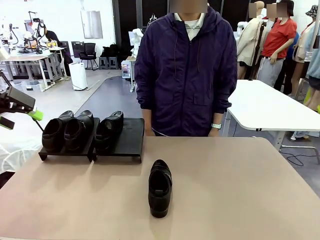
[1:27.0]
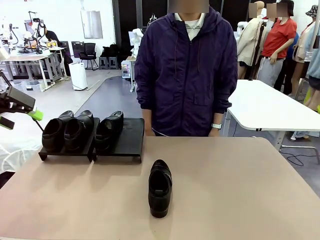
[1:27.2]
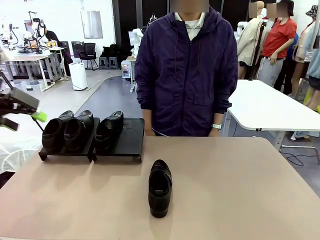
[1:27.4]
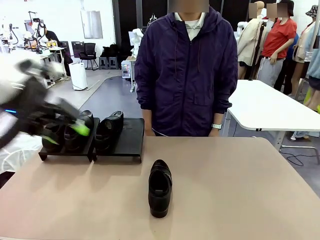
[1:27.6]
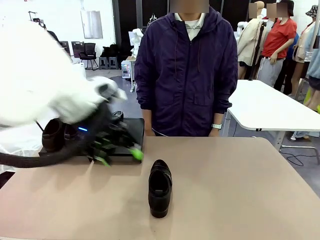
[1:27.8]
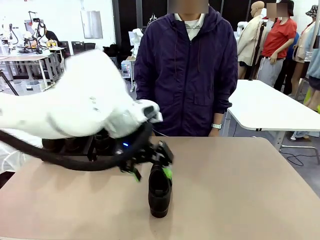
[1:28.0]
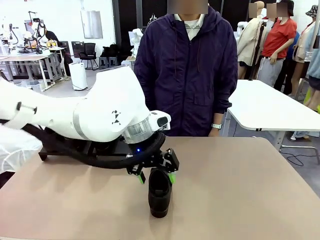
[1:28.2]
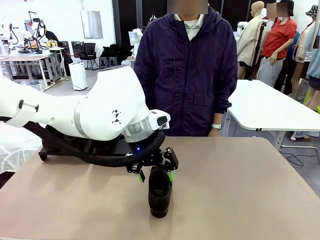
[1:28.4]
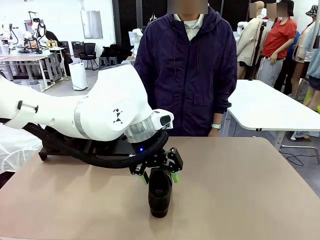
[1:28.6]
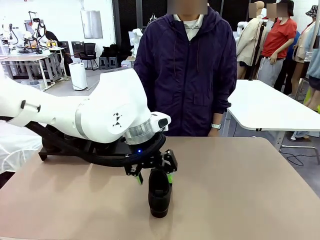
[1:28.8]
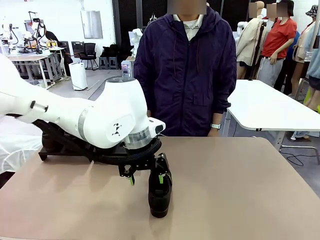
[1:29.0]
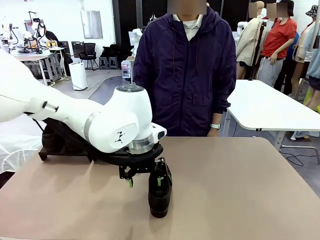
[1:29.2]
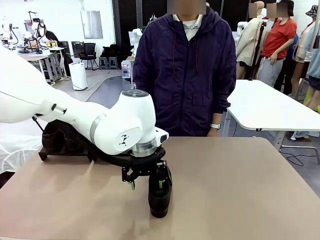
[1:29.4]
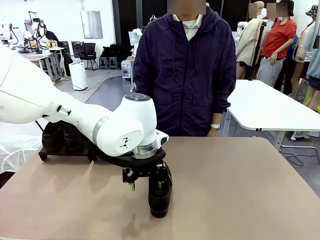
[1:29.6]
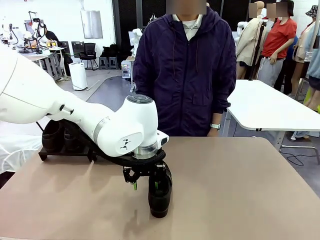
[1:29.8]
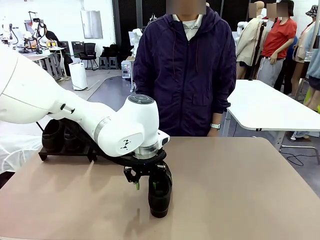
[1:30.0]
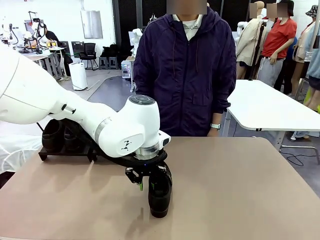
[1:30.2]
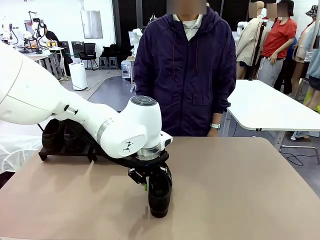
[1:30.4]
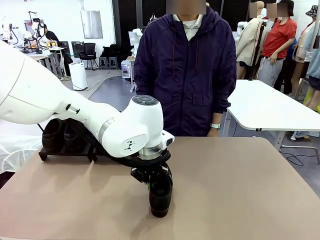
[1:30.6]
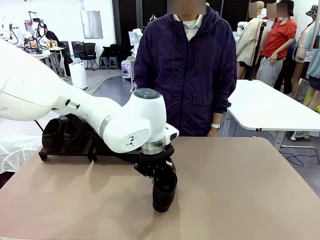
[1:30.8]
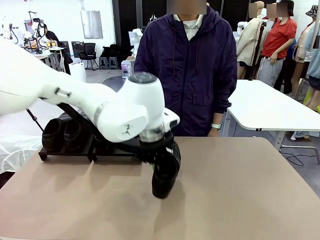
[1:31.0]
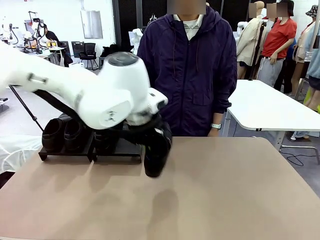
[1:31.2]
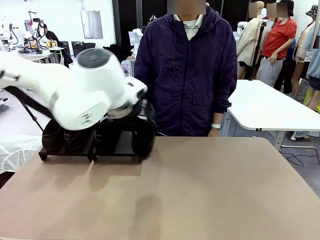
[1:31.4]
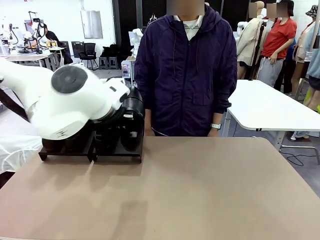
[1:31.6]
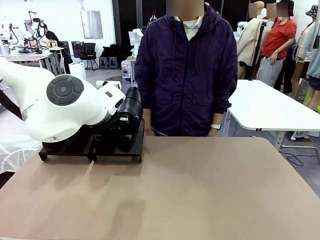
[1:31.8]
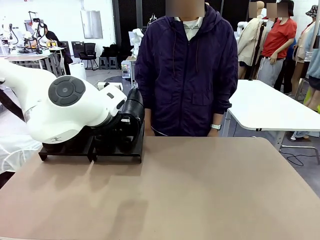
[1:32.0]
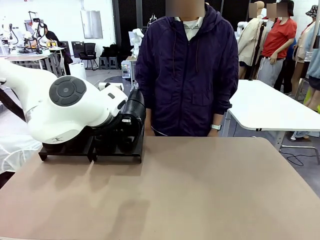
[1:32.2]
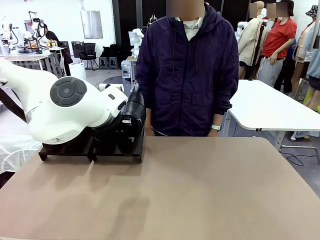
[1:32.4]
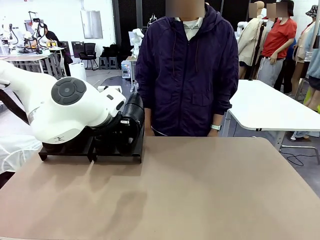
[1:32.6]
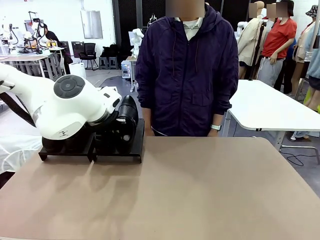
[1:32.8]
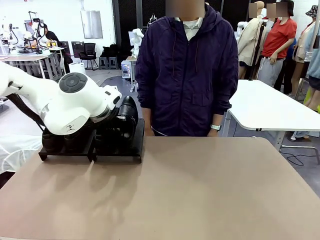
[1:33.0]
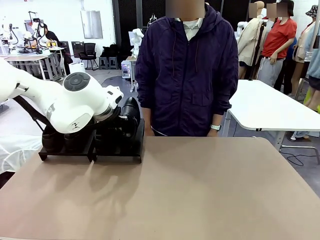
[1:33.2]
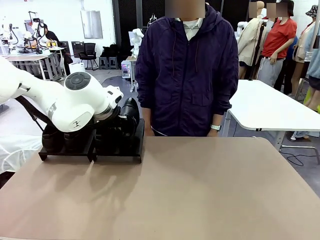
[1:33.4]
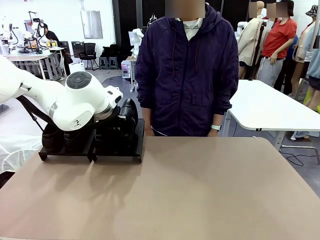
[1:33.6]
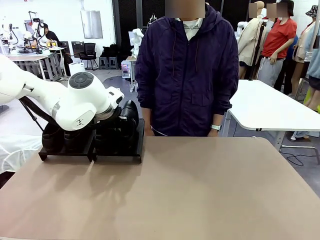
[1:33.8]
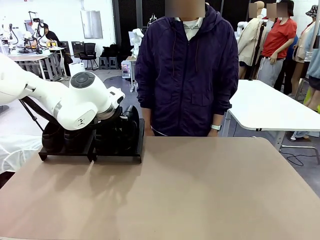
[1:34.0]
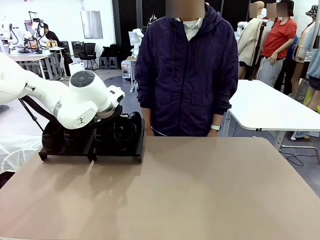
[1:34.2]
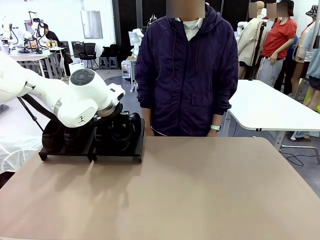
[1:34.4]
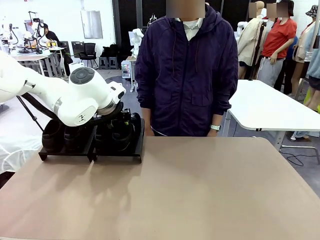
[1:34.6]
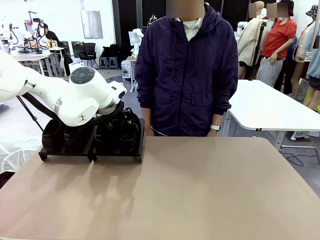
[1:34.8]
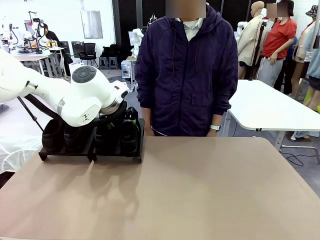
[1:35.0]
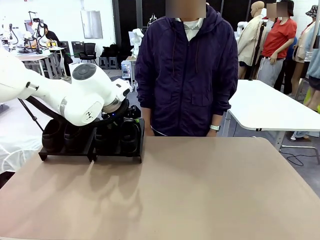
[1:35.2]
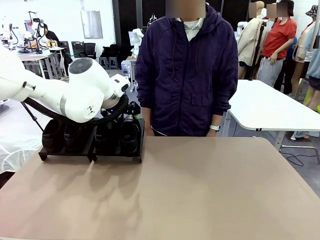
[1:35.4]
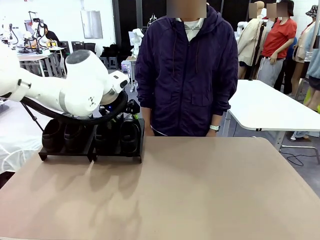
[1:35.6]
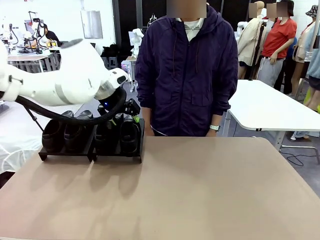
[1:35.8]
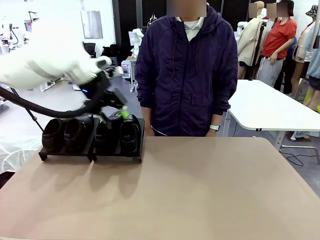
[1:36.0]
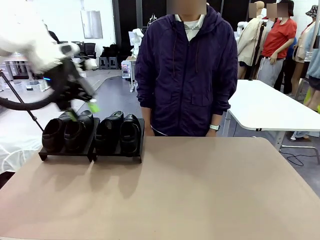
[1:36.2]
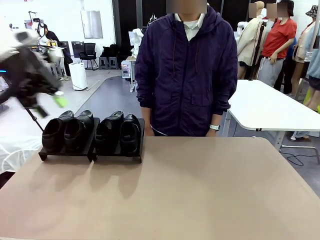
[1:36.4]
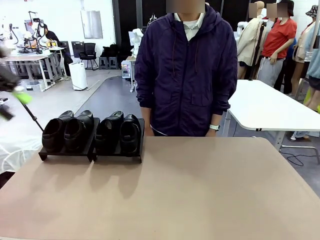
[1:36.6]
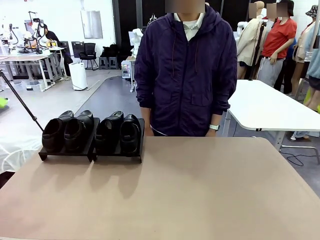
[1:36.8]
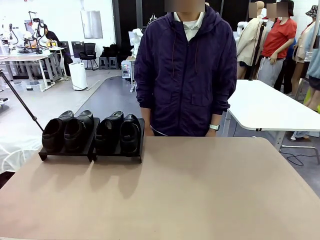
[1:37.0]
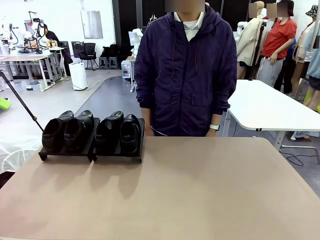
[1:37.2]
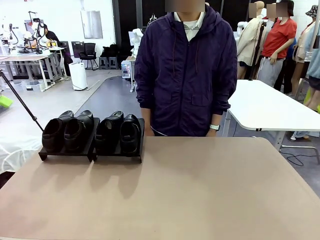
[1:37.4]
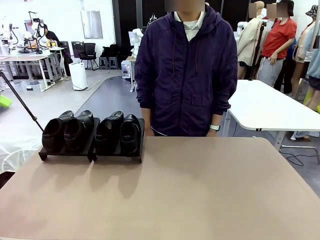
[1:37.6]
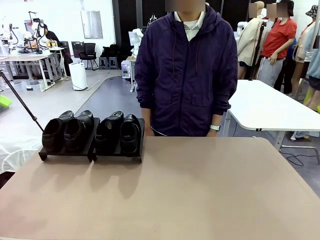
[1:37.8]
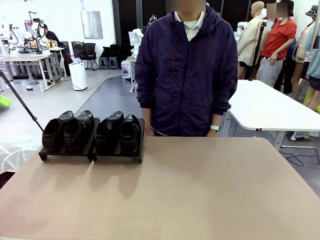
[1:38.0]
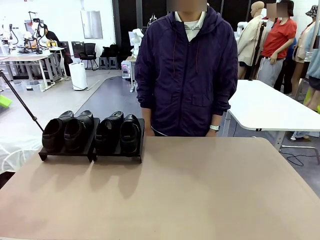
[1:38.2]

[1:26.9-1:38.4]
Task: Organize the shoes by placing them on the stand.
Robot: Place the Shoe from the middle of the table onto the Shoes Stand.

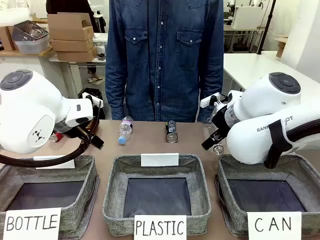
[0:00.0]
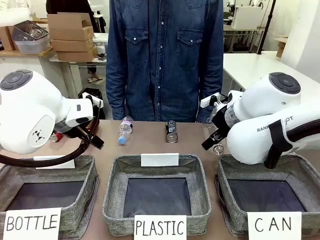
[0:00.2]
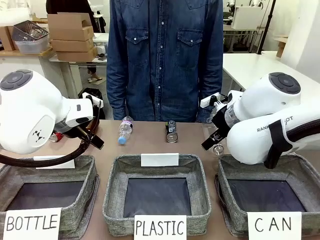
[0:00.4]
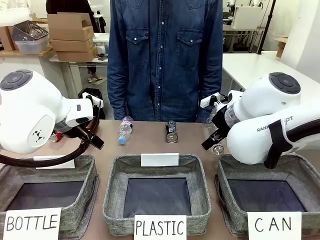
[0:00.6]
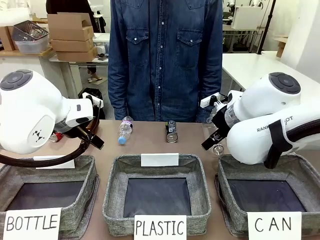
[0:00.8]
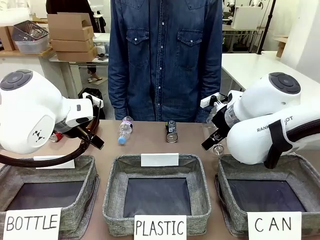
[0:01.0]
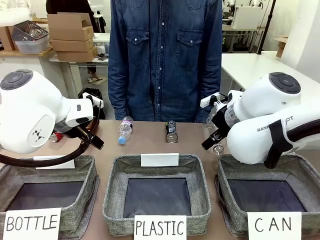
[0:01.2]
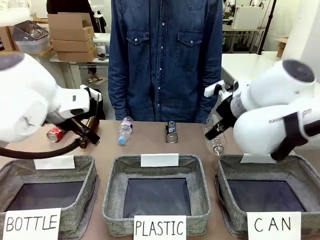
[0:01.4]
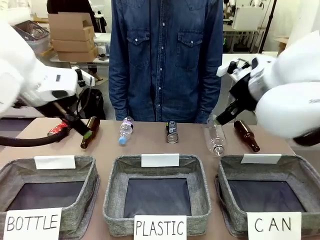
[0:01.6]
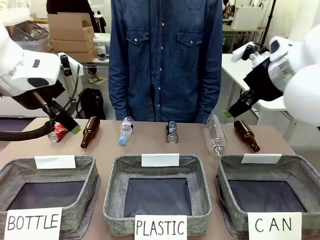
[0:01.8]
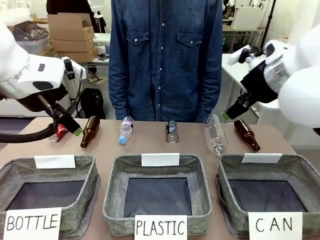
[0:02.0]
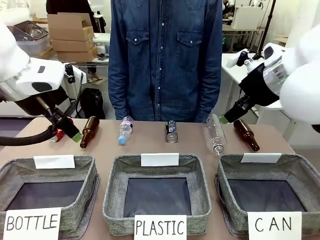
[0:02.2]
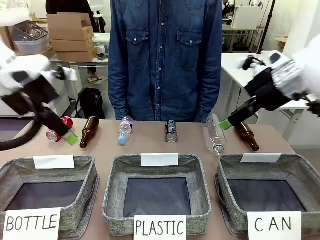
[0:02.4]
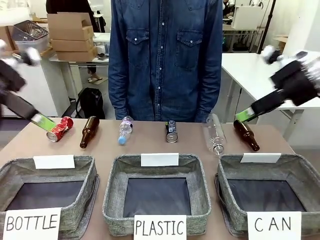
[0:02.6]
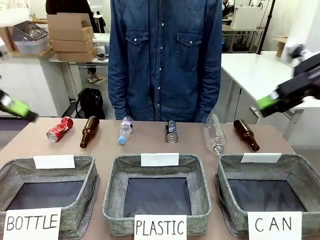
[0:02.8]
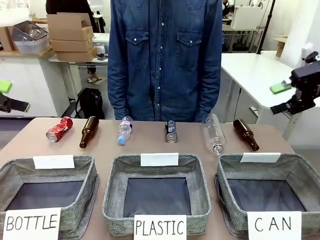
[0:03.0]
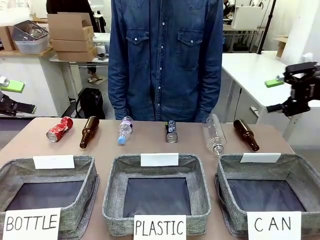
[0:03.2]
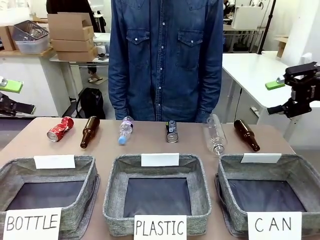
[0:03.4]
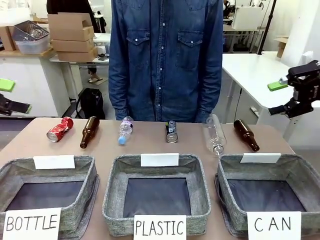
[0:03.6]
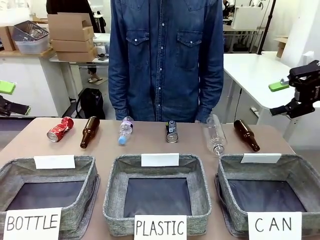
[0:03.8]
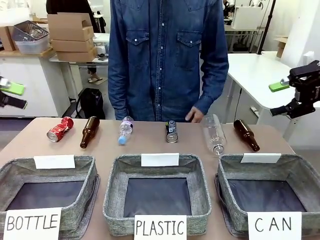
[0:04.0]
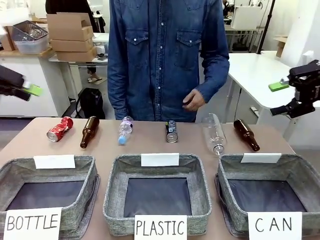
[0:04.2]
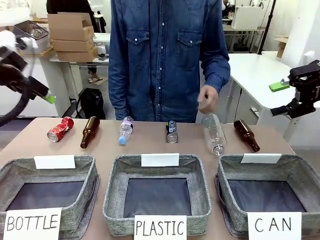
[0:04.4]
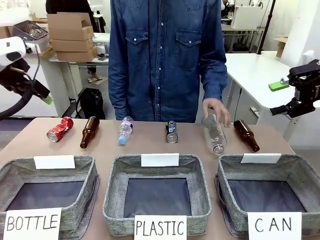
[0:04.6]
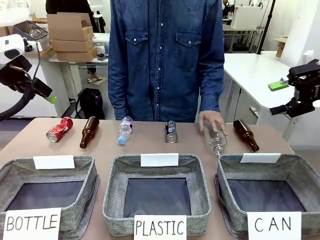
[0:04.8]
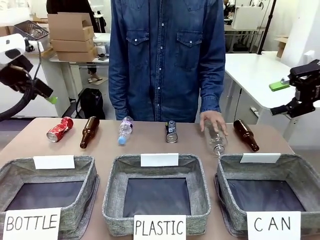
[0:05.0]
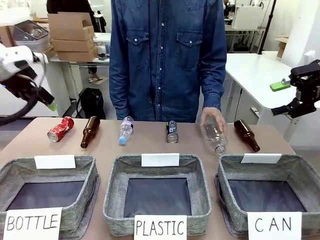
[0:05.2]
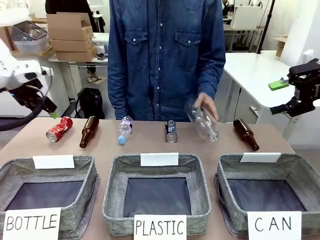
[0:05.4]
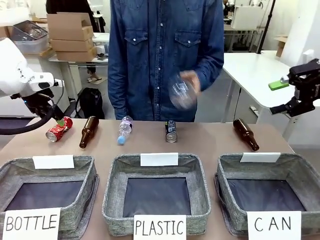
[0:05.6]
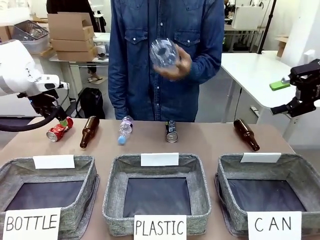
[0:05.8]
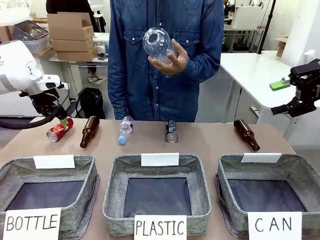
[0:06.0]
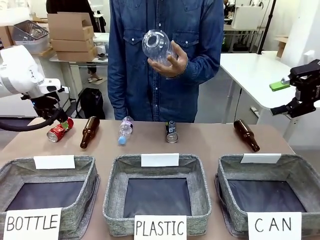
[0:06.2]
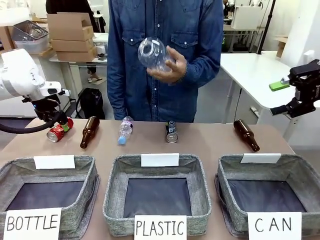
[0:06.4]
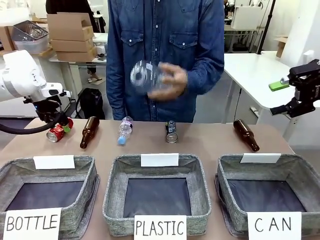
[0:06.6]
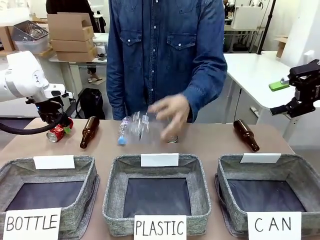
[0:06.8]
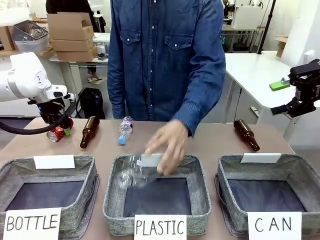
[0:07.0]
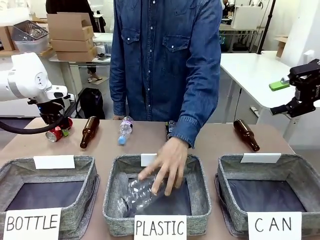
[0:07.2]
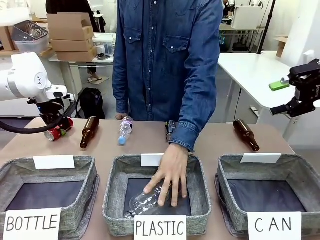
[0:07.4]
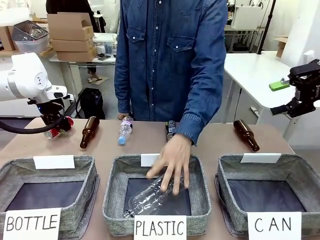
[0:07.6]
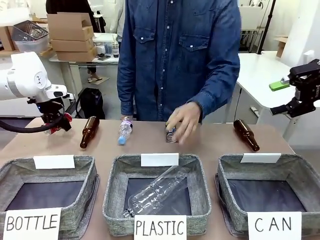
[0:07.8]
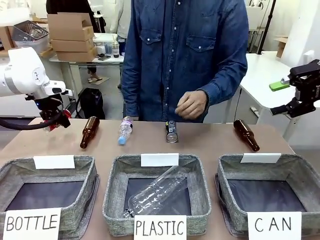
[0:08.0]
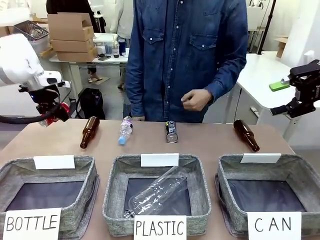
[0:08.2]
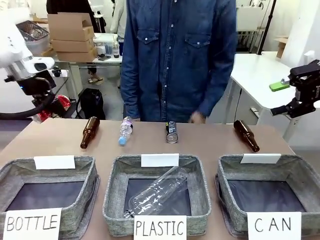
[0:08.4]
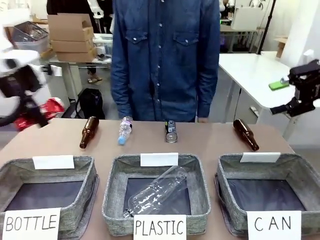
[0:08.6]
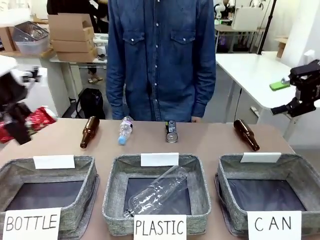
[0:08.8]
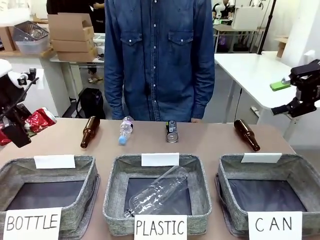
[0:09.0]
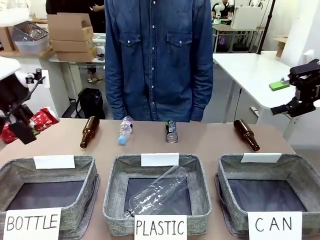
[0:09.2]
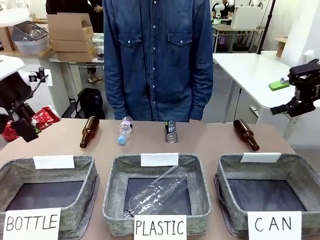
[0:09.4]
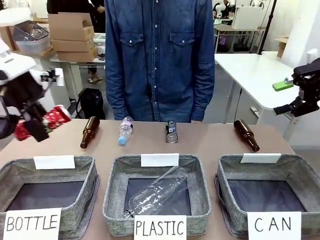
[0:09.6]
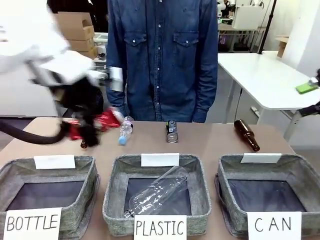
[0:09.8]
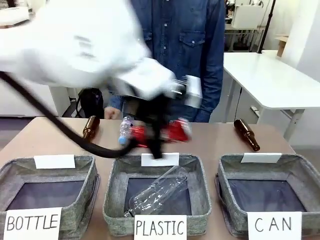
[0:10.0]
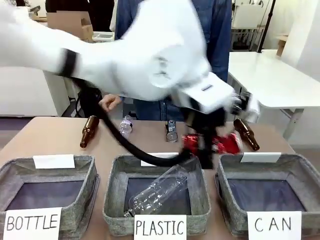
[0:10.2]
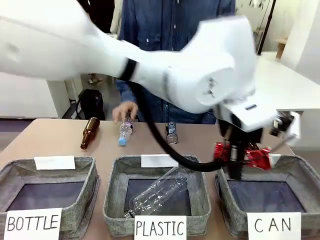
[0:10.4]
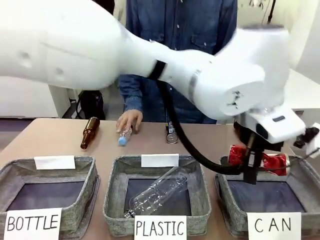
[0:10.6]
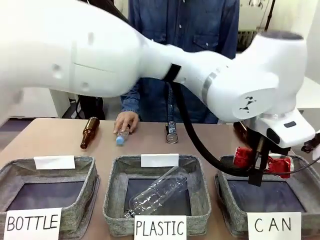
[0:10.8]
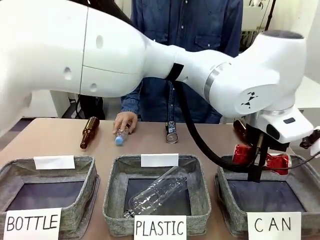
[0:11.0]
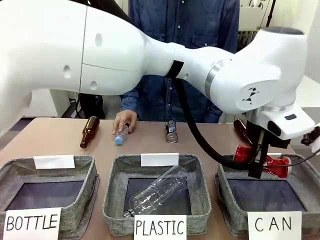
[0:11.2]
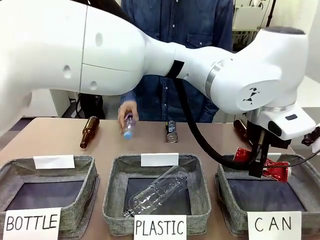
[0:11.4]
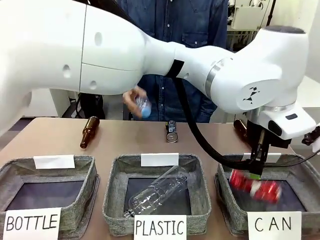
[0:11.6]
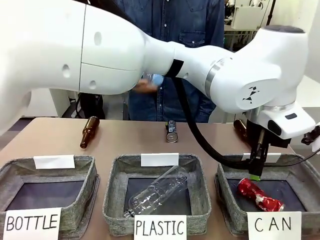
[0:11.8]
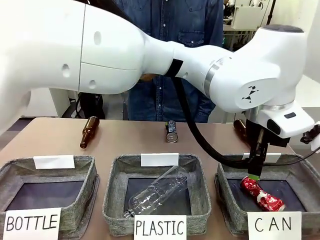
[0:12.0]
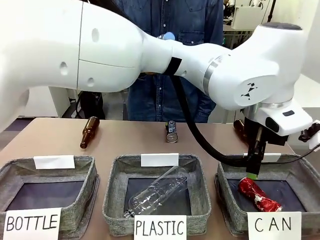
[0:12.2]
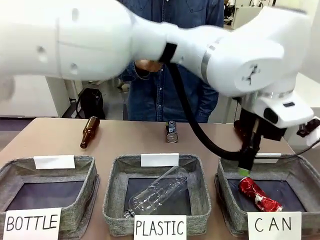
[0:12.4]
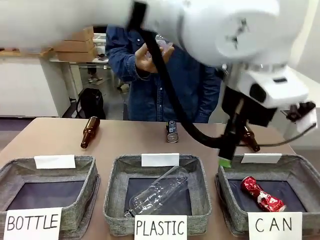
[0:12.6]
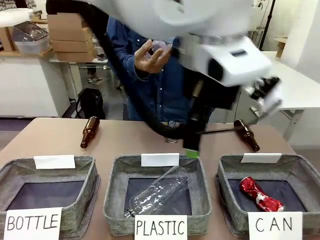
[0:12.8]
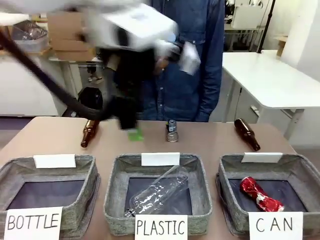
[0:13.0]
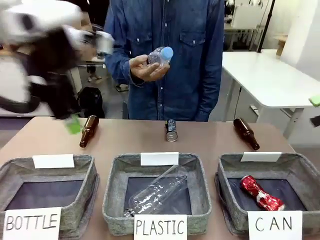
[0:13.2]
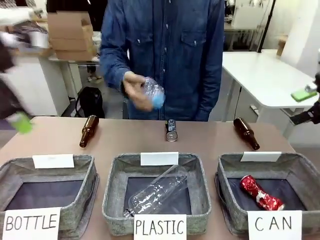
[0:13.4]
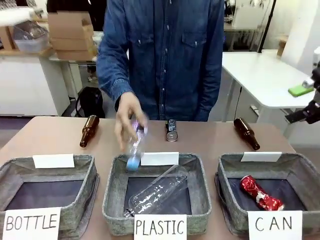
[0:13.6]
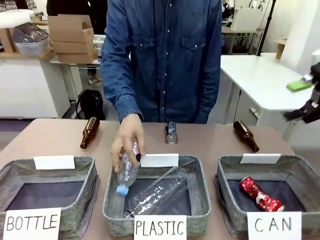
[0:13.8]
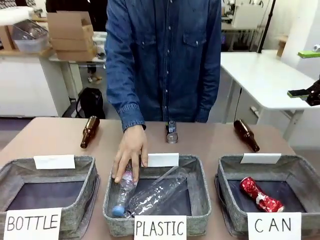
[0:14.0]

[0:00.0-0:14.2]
Task: Sort the can waste into the basket.
Robot: Pick up the can waste from the table and place it in the right Fabric basket.
